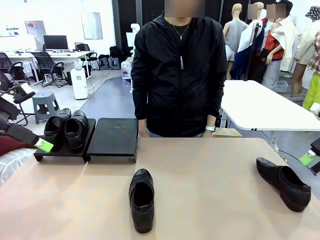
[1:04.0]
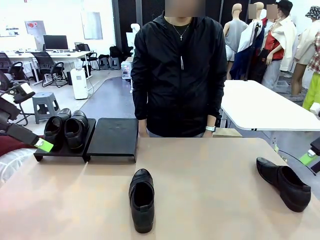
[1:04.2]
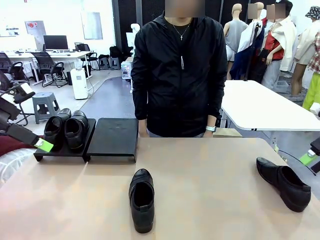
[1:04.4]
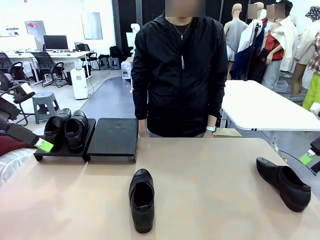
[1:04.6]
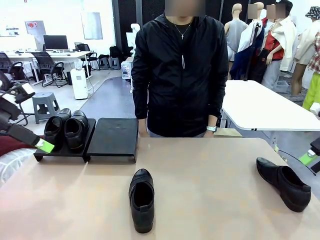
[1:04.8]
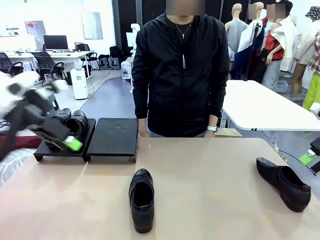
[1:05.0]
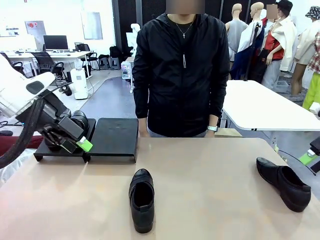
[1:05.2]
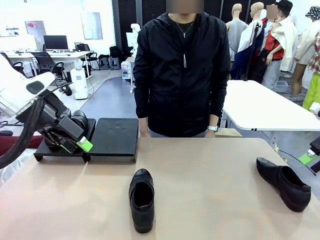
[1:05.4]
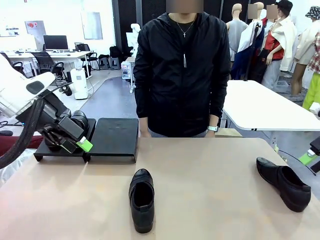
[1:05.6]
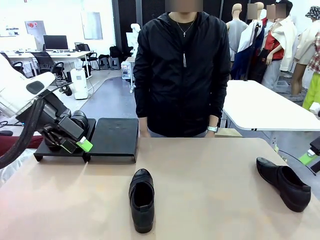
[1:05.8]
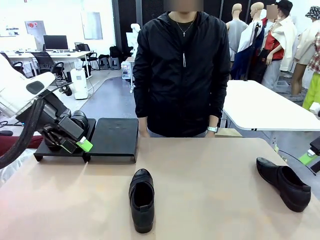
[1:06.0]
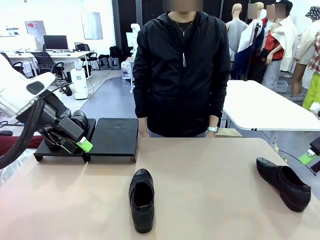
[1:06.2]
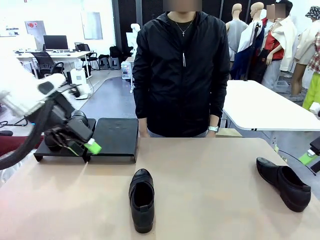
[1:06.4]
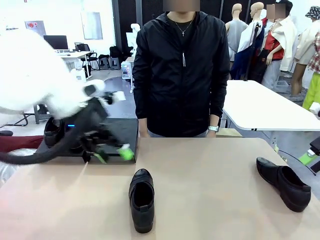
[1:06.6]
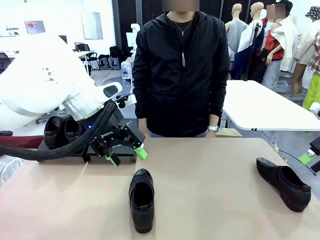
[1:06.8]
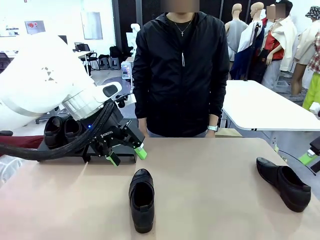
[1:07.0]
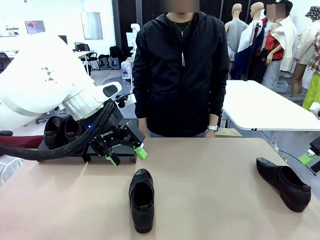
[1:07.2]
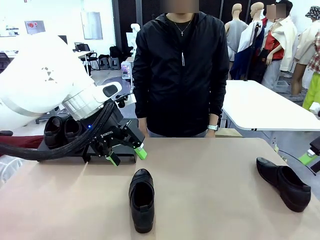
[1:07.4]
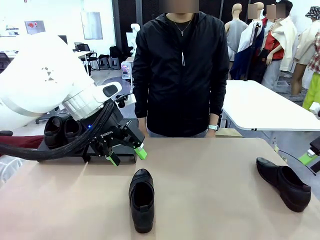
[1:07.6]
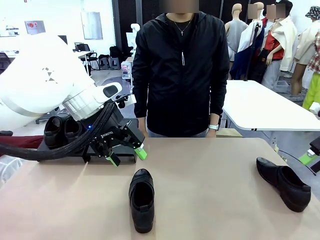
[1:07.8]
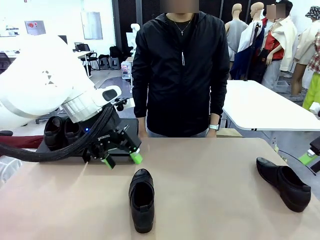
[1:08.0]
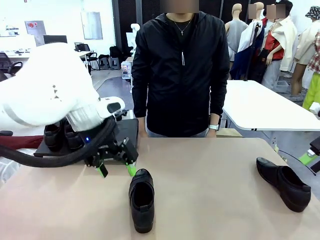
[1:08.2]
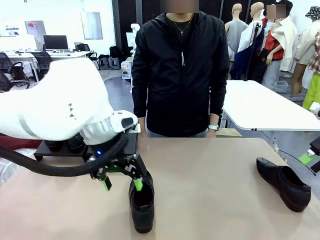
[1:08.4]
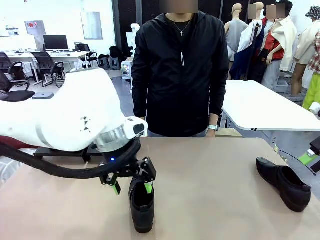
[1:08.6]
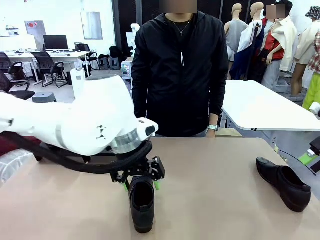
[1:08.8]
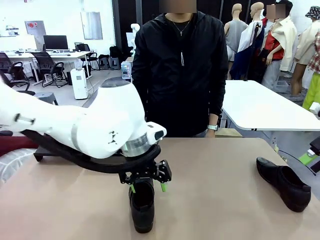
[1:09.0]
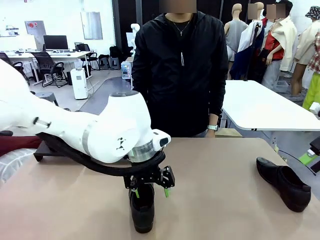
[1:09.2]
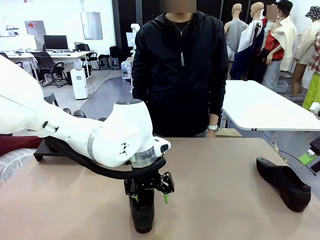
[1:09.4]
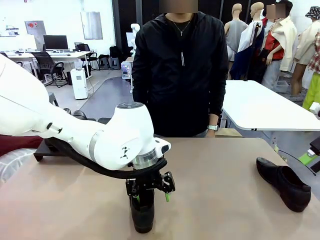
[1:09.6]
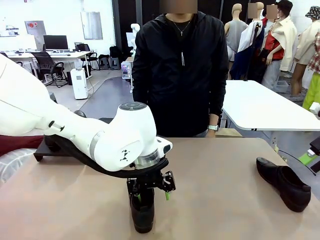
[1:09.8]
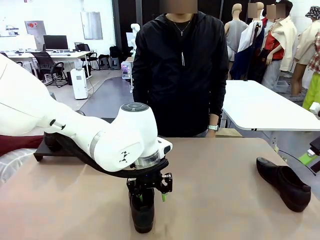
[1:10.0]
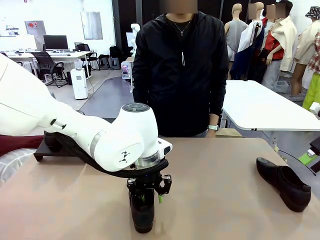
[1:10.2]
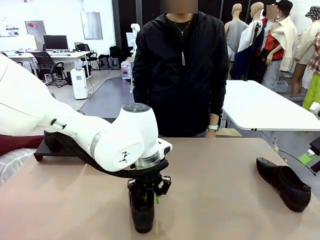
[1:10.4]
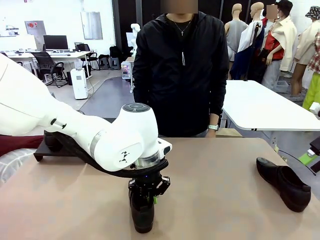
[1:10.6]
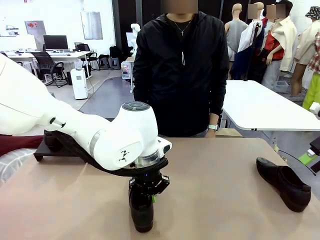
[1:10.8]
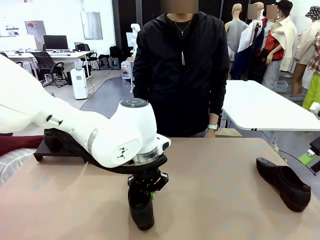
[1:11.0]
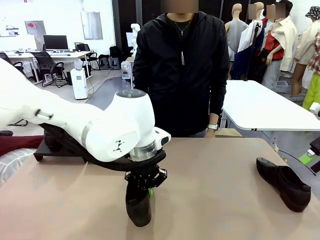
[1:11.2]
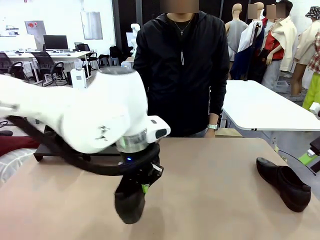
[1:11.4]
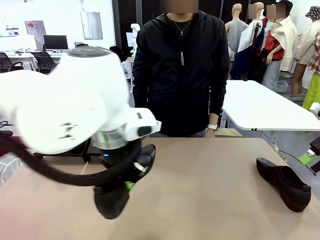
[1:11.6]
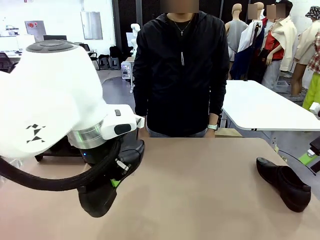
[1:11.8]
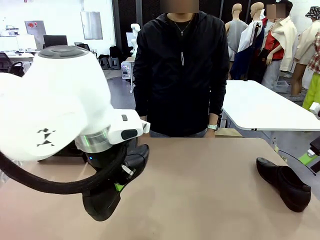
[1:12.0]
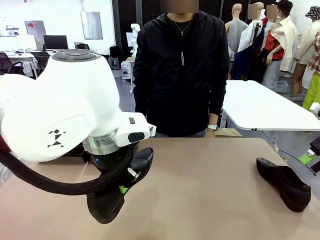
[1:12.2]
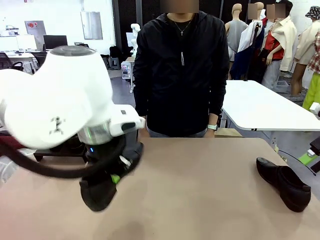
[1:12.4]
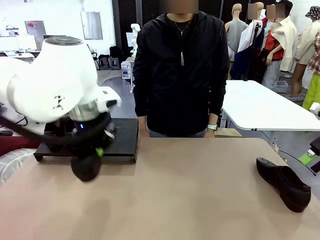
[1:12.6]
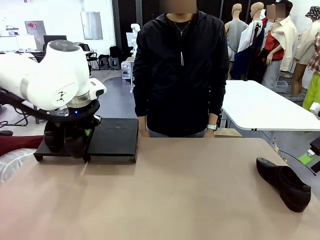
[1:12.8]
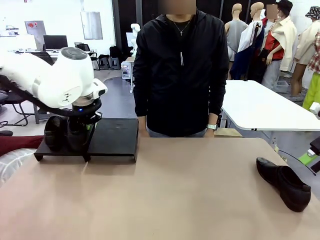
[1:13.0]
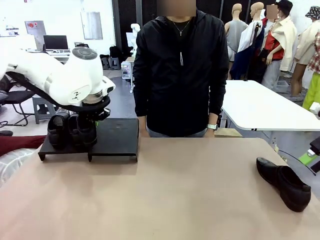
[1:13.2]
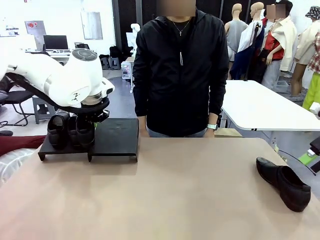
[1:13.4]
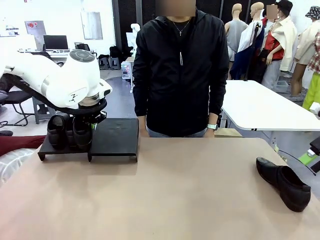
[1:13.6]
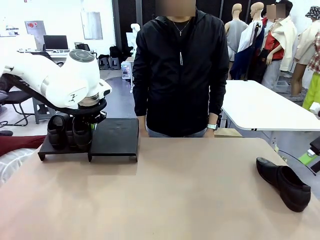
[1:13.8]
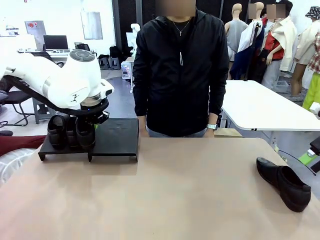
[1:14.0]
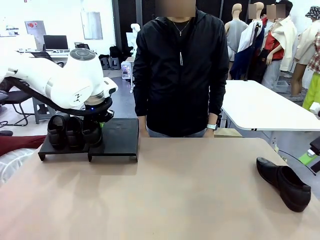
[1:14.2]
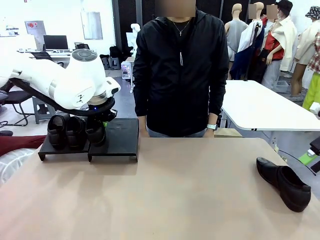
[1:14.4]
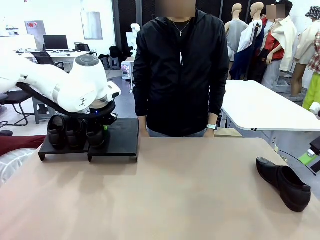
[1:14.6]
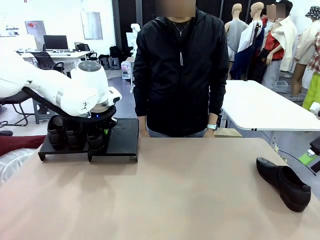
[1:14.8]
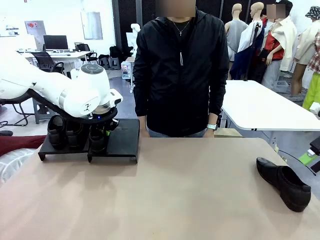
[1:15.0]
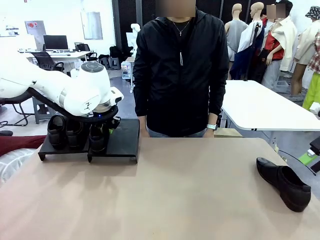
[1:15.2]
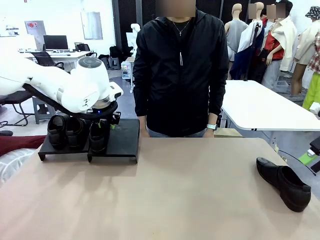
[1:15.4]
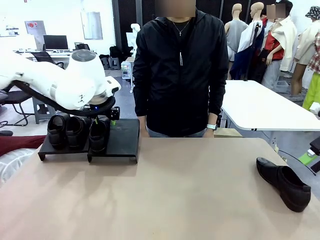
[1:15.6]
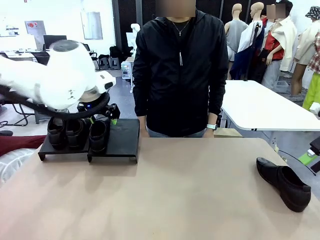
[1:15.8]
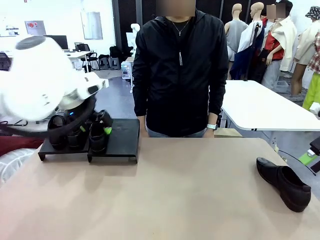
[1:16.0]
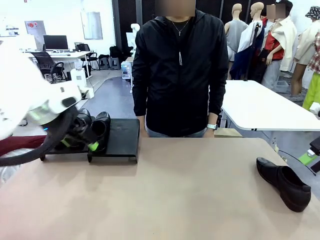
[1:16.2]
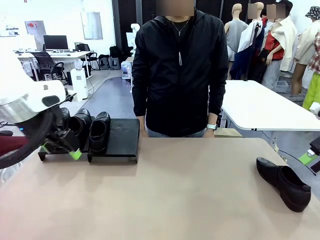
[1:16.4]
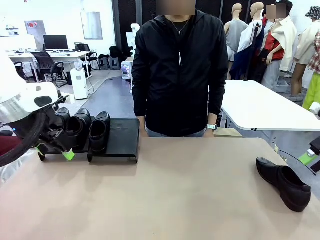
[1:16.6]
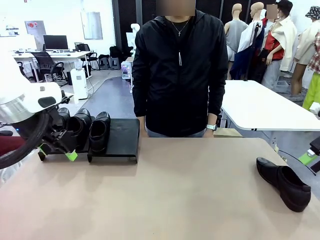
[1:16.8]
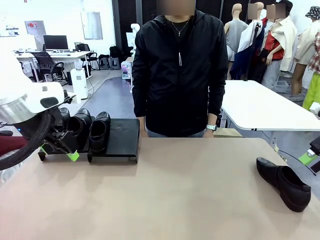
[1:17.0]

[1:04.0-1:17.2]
Task: Organize the shoes by placing them on the stand.
Robot: Place the Shoe from the middle of the table onto the Shoes Stand.

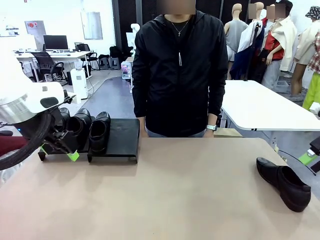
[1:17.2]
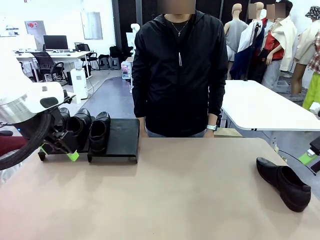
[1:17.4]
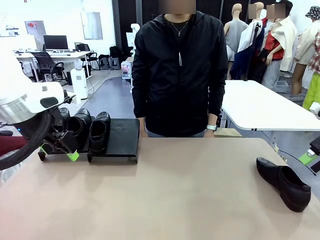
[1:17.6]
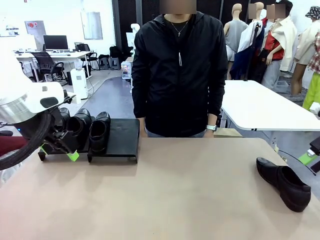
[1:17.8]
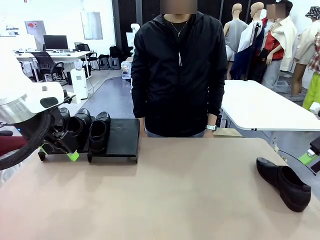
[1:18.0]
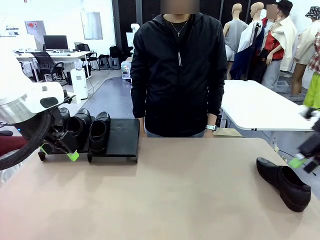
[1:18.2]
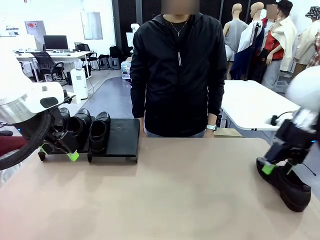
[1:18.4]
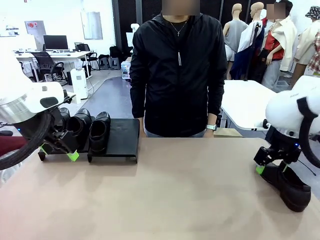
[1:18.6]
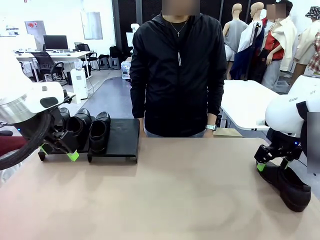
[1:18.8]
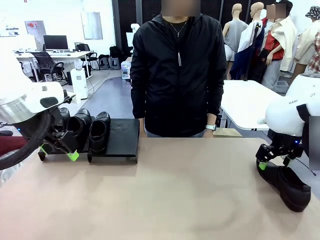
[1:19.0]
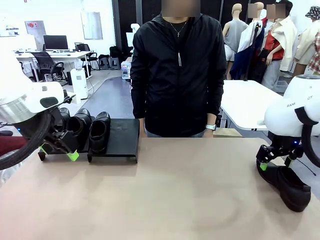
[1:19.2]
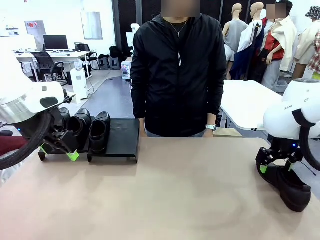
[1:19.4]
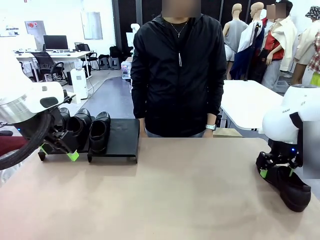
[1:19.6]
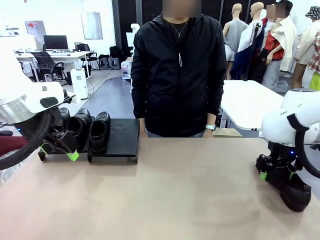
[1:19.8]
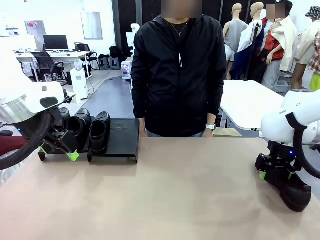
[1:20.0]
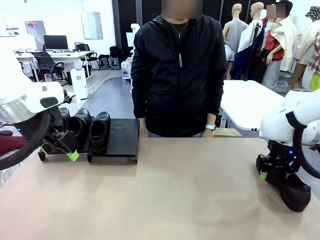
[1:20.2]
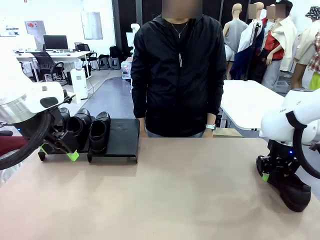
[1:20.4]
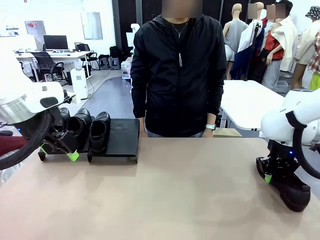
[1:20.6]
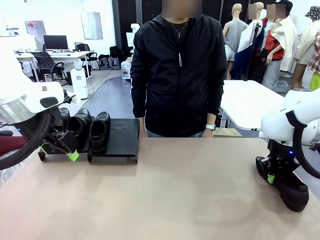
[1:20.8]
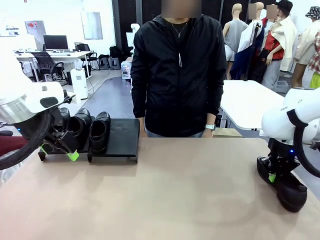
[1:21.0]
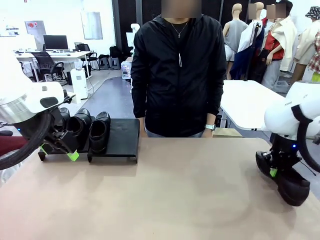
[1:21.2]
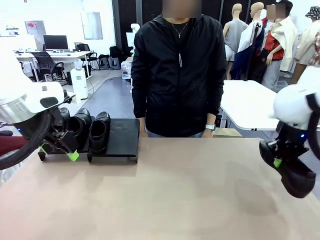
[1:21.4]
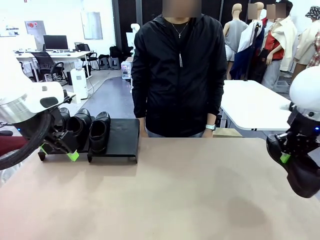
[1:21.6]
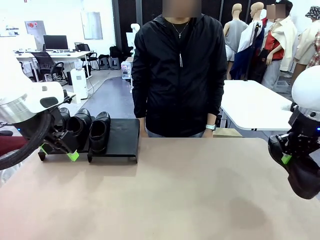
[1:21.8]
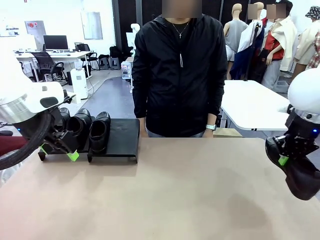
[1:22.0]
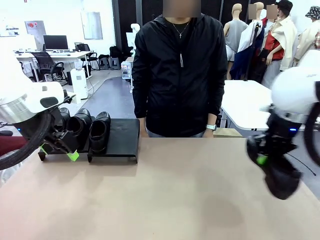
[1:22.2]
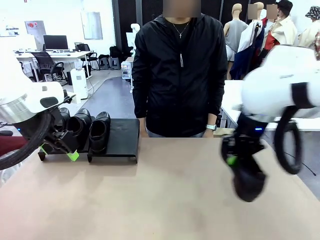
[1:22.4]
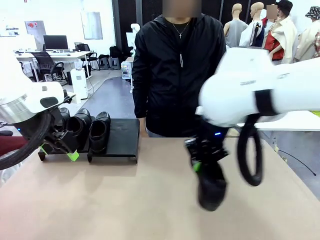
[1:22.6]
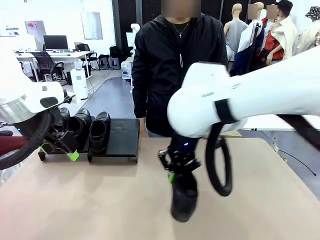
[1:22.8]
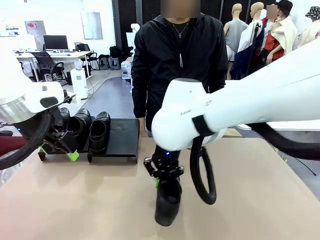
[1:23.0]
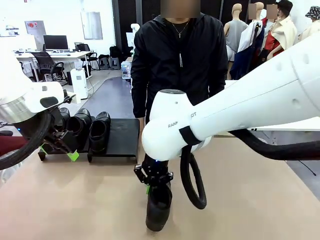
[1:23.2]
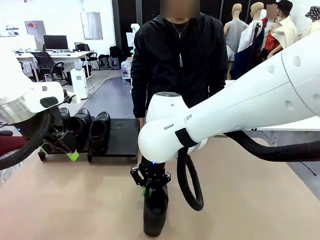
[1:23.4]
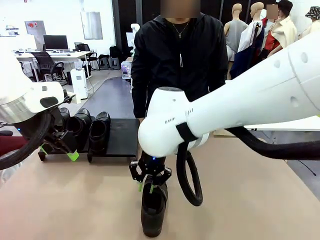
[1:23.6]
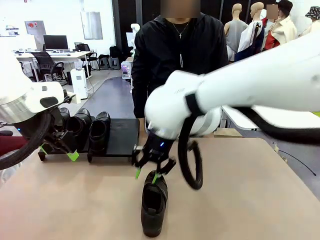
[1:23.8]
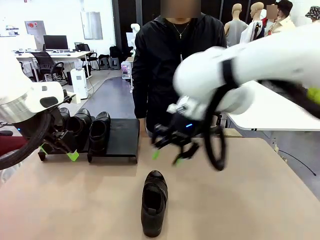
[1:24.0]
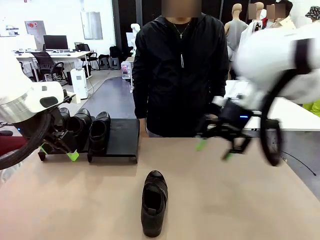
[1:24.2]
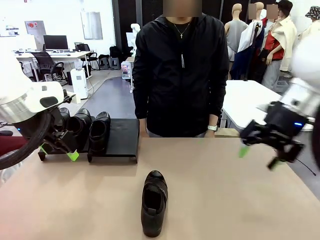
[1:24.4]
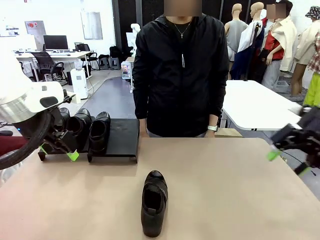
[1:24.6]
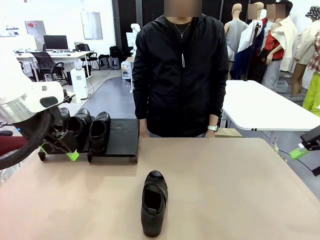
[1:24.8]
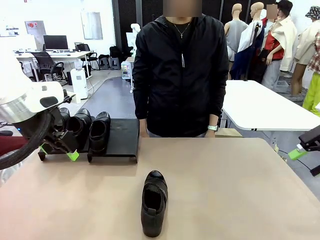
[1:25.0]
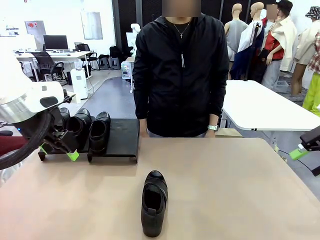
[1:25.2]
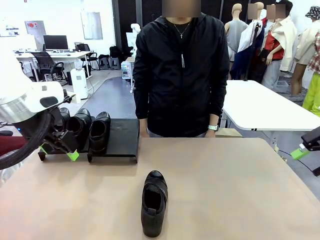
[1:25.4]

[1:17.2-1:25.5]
Robot: Pick up one Shoe and place it in the middle of the table.
